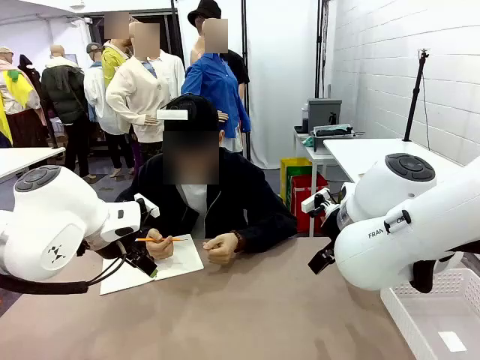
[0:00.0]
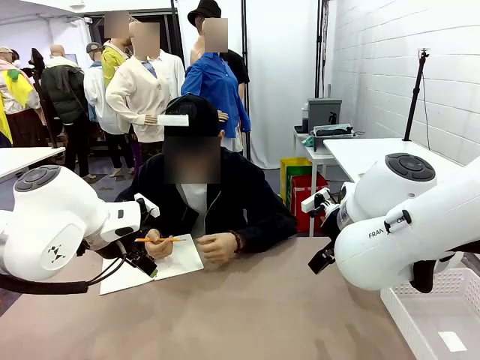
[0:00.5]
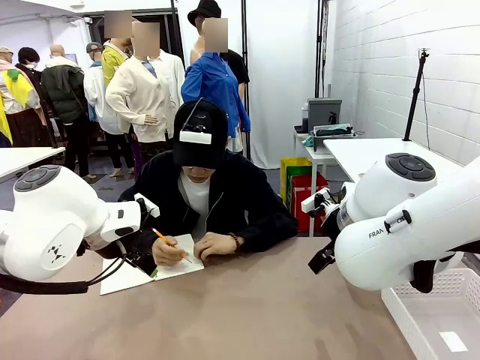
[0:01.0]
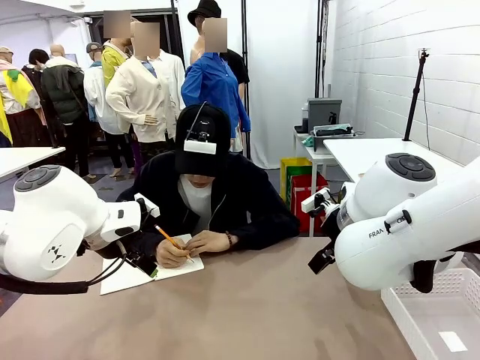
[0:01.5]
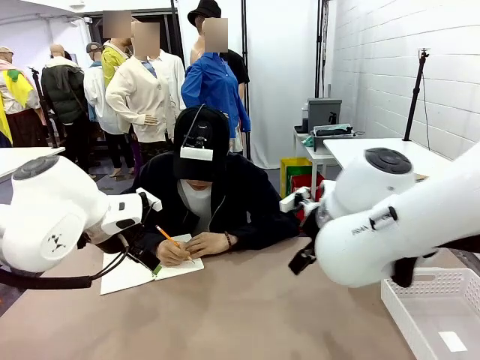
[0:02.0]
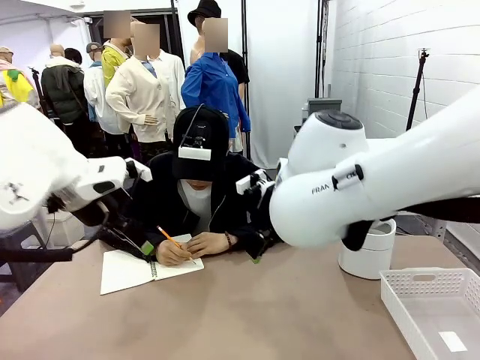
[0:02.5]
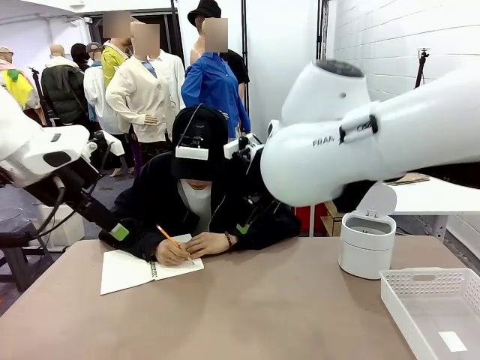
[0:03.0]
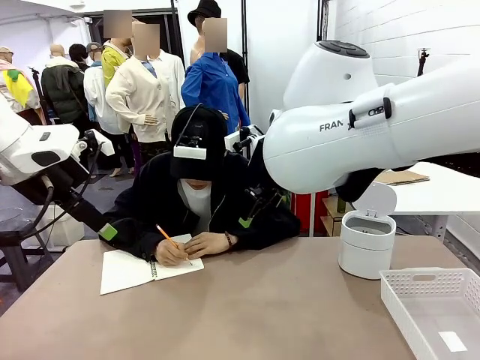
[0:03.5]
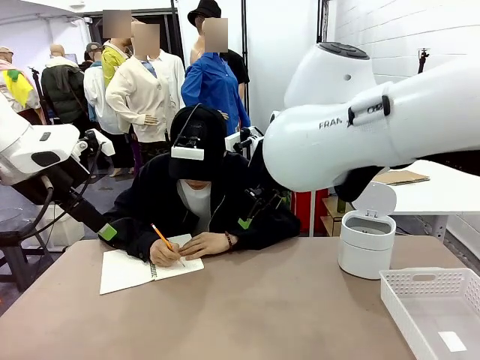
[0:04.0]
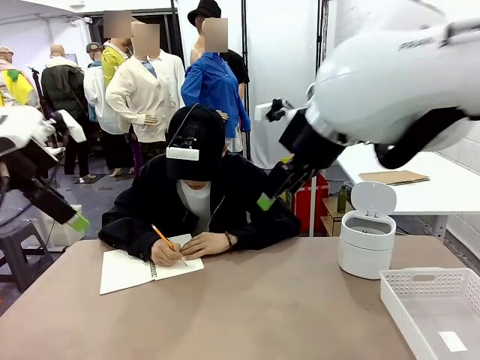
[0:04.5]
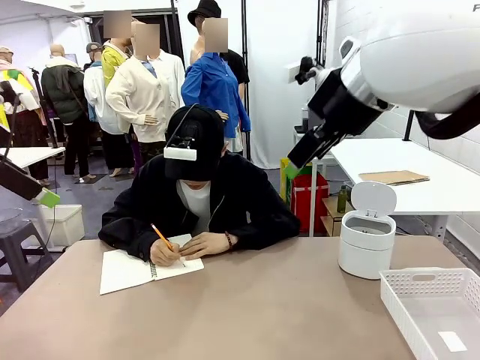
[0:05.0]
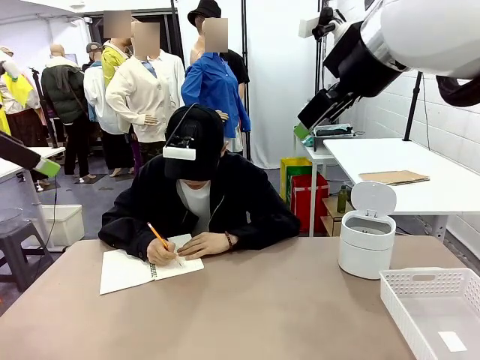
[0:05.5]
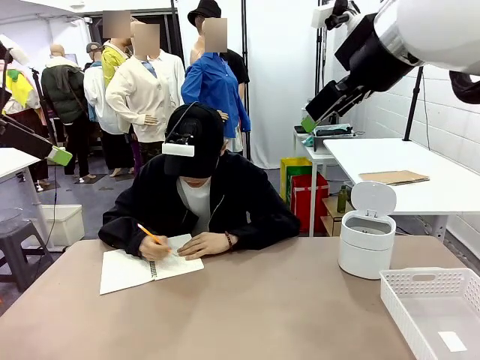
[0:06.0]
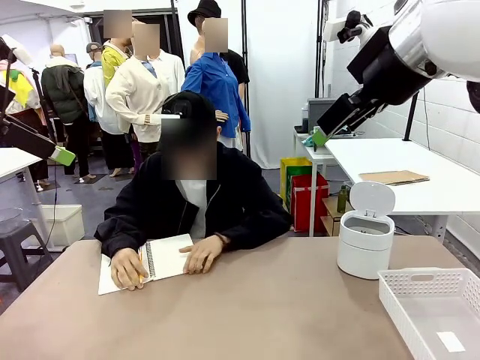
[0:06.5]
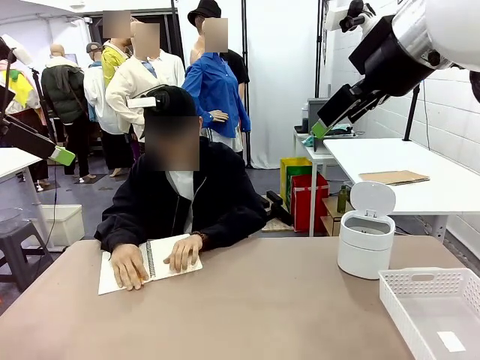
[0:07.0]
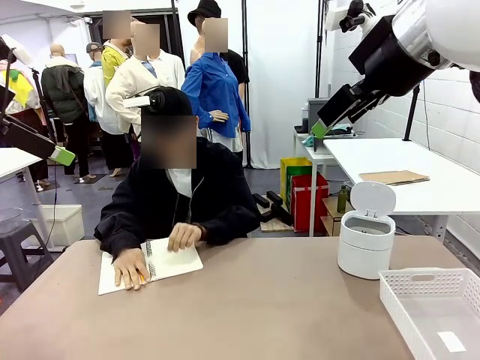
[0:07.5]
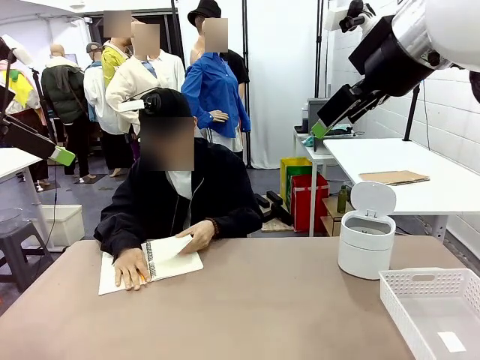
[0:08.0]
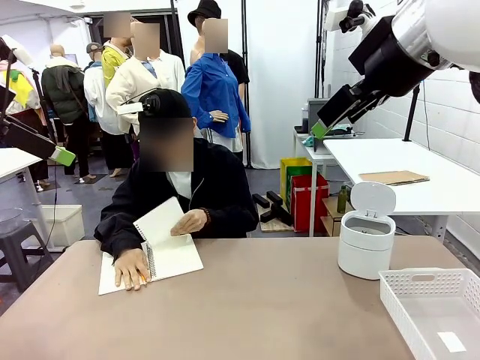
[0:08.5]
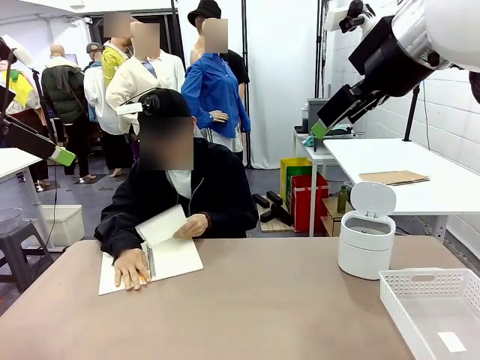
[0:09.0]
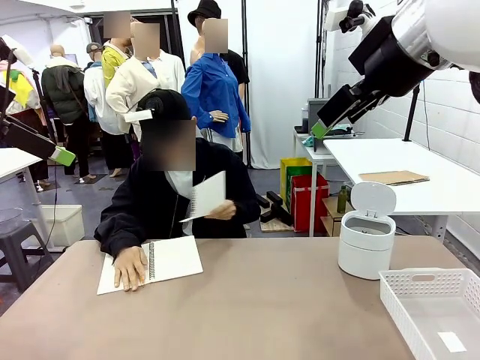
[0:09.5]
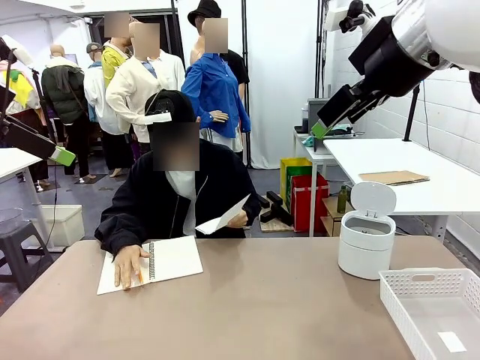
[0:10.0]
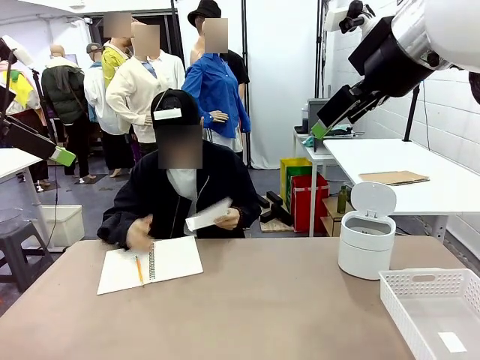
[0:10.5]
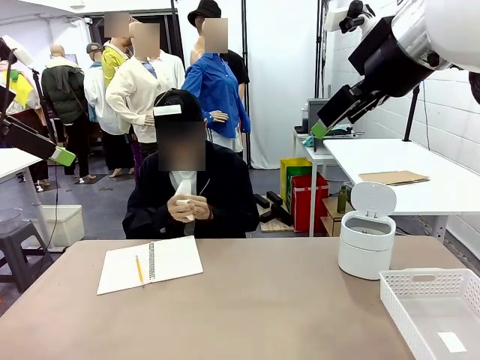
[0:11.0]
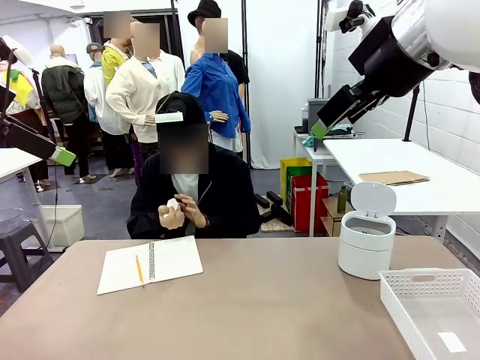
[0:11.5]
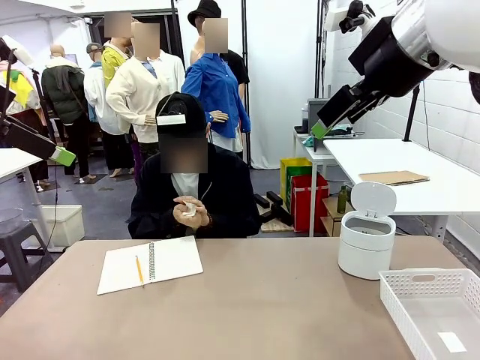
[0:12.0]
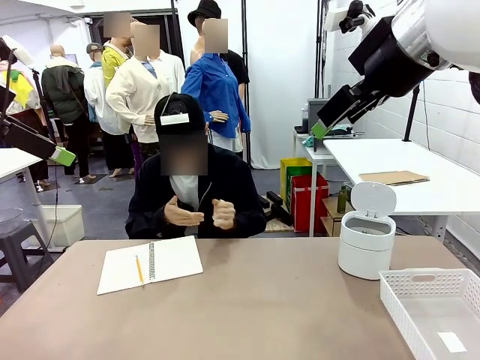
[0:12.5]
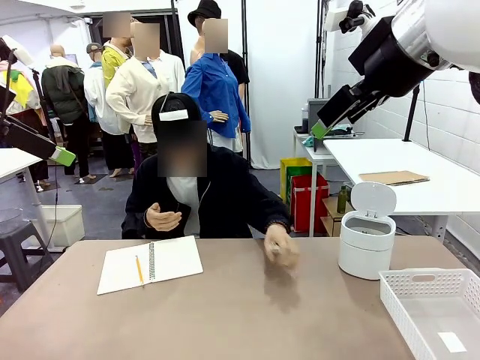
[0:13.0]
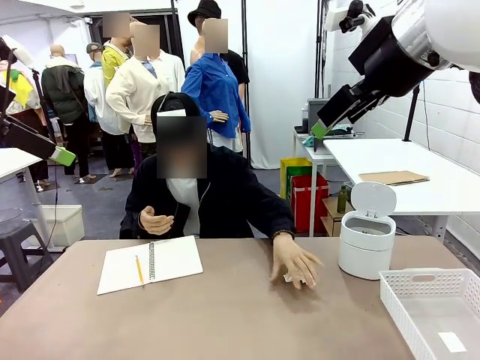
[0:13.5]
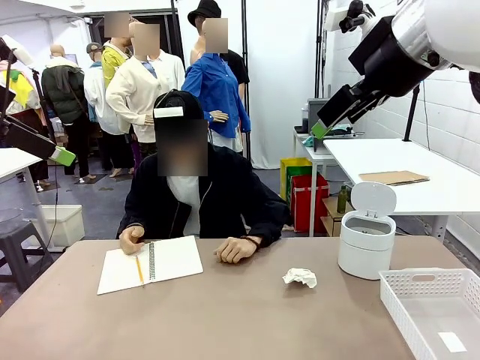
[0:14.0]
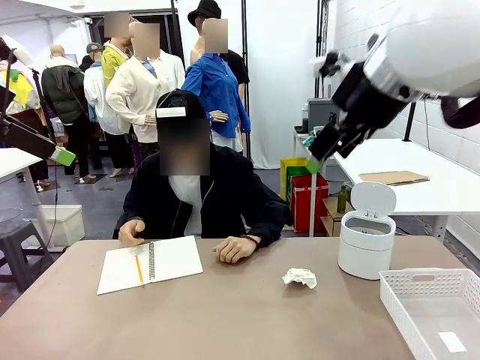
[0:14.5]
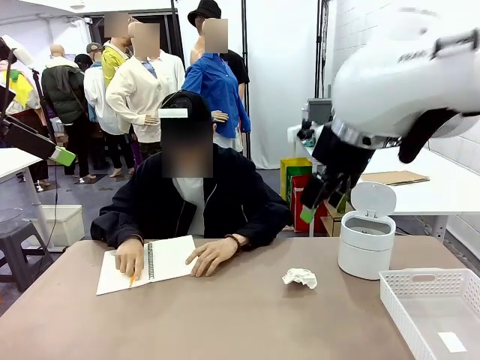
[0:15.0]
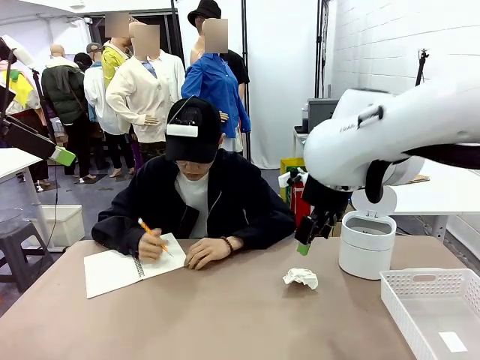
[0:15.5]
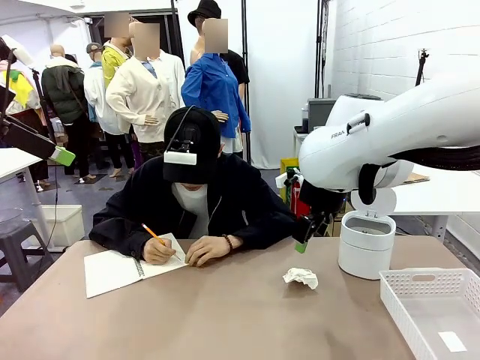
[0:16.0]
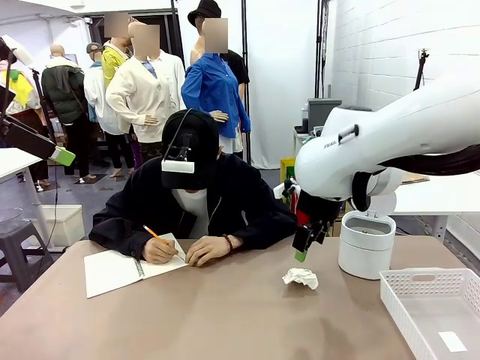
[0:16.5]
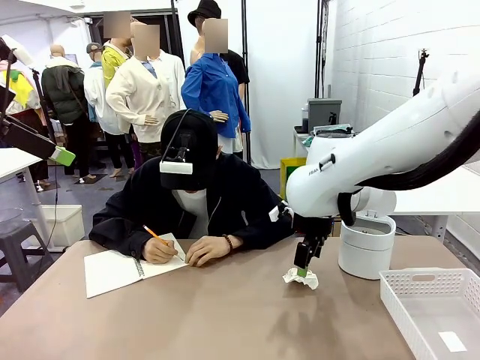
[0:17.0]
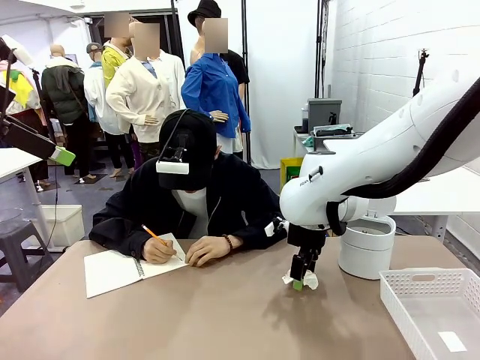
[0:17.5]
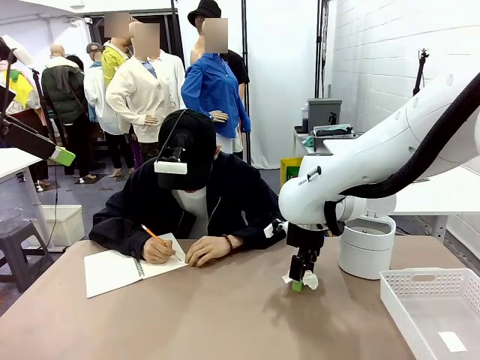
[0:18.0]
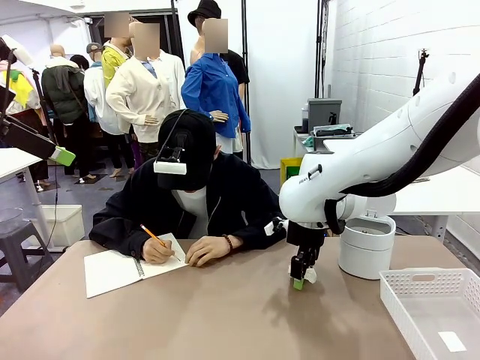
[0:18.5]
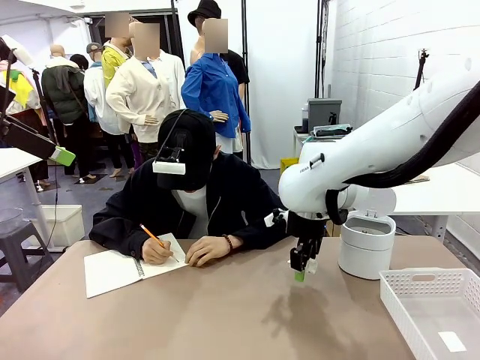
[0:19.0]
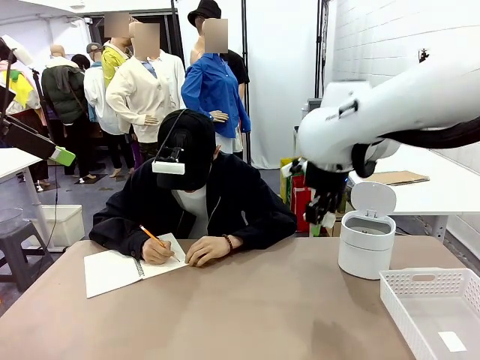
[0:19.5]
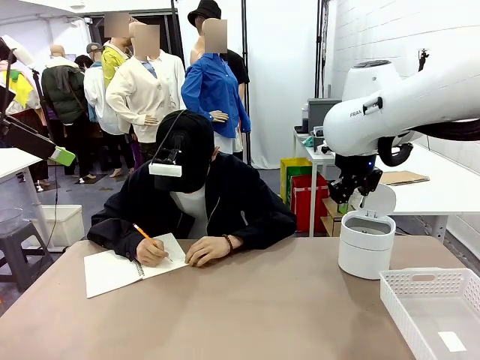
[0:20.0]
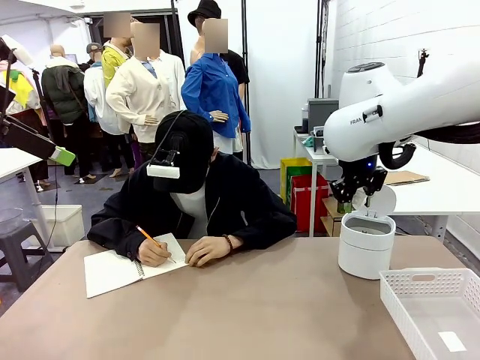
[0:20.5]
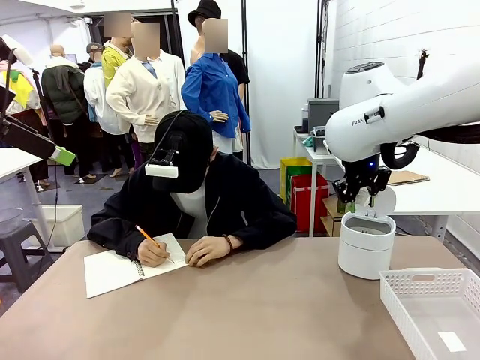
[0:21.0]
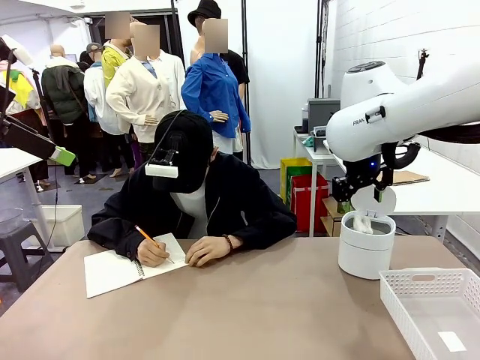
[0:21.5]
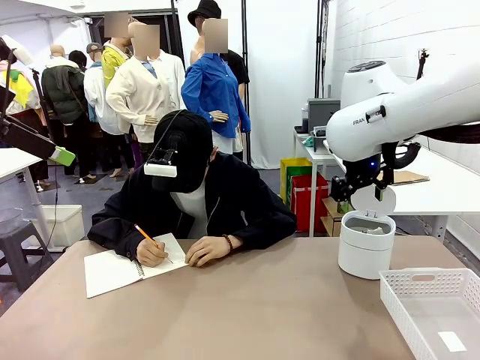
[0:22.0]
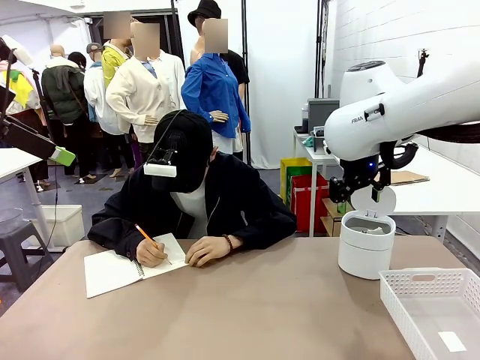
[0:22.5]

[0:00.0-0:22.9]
Task: Sort the paper based on its condition.
Robot: If a person hands you a paper, place it in the Organizing basket , and if it's crumpled, put it in the Trash can.
Person: Tear out a page from the spiral notebook. Hand the torn page to the robot or crumple it and throw it to the center of the table. Tear out a page from the spiral notebook.
